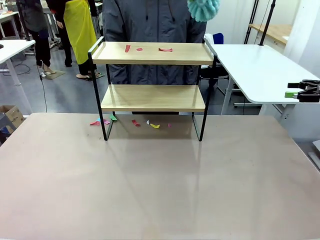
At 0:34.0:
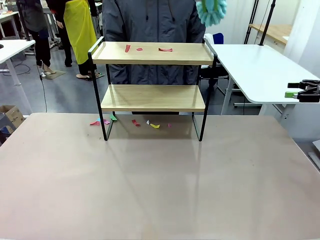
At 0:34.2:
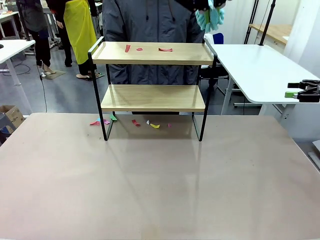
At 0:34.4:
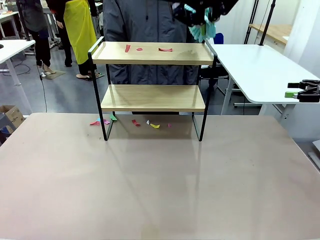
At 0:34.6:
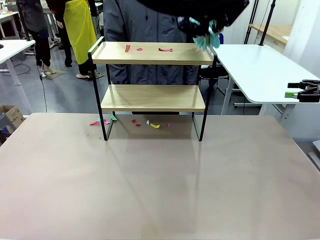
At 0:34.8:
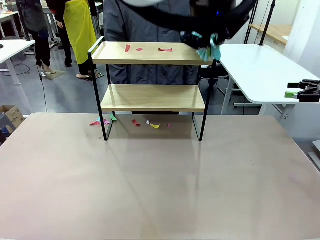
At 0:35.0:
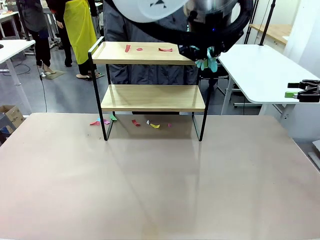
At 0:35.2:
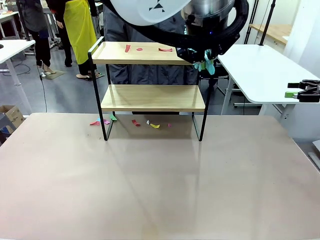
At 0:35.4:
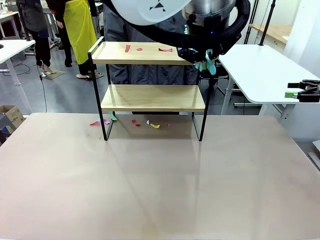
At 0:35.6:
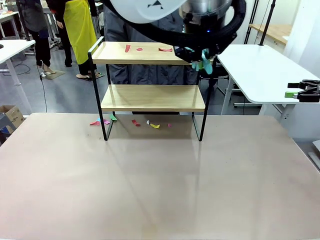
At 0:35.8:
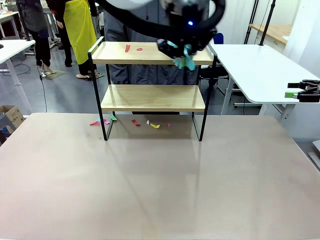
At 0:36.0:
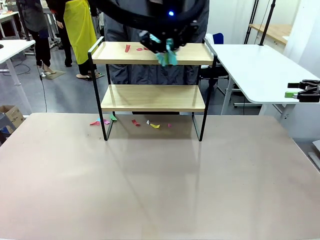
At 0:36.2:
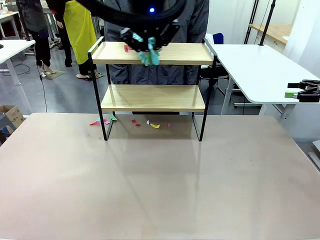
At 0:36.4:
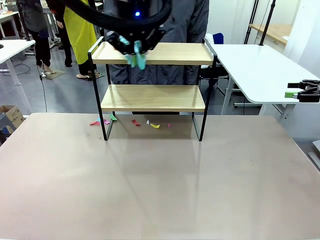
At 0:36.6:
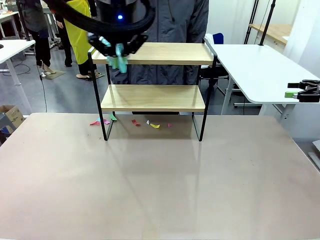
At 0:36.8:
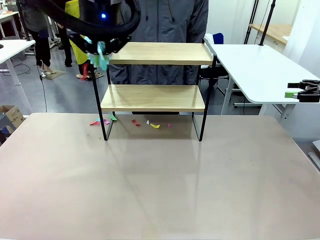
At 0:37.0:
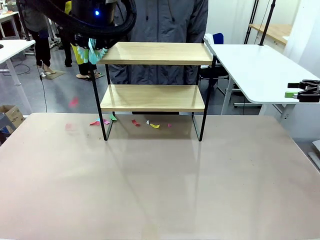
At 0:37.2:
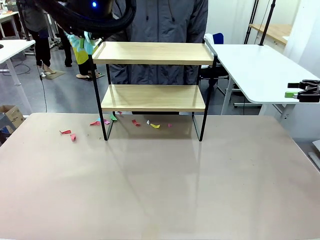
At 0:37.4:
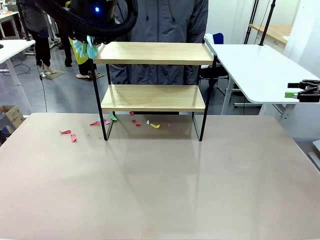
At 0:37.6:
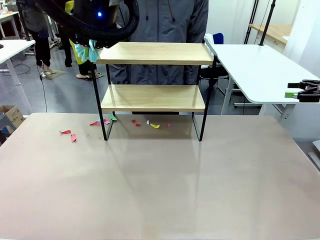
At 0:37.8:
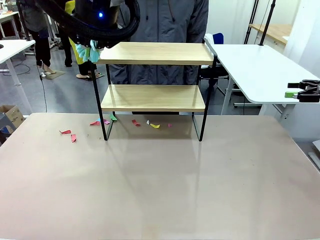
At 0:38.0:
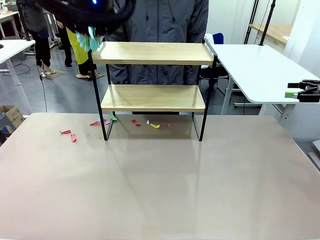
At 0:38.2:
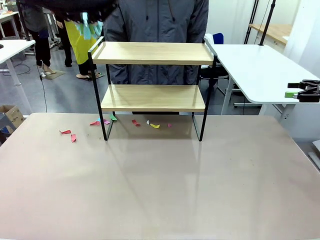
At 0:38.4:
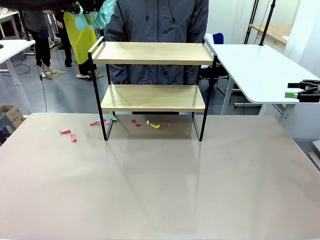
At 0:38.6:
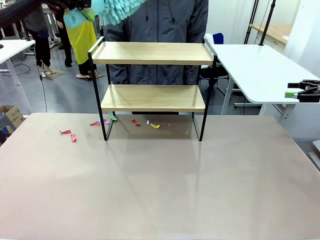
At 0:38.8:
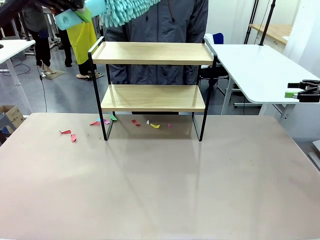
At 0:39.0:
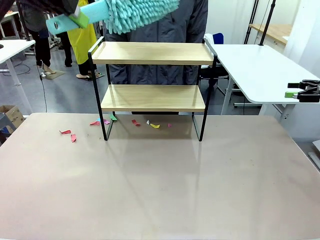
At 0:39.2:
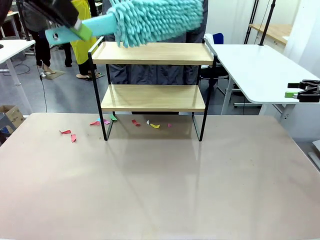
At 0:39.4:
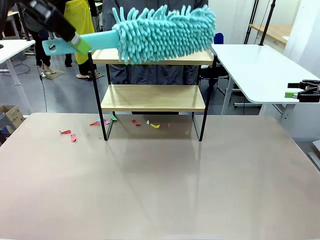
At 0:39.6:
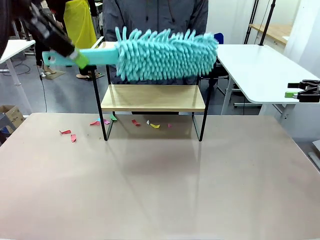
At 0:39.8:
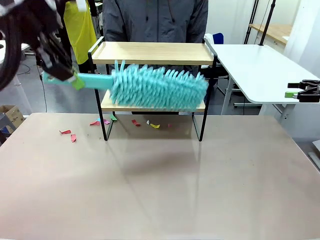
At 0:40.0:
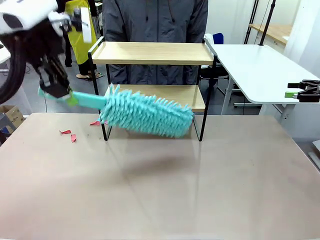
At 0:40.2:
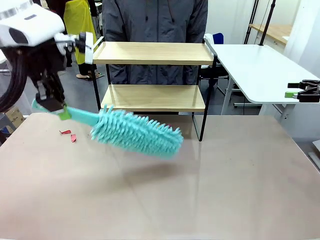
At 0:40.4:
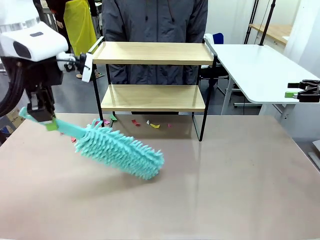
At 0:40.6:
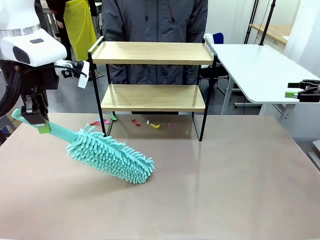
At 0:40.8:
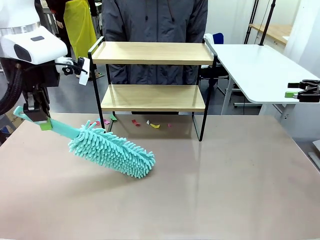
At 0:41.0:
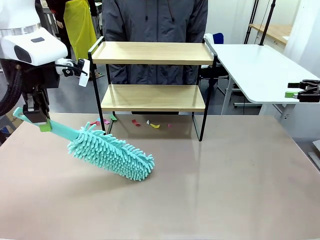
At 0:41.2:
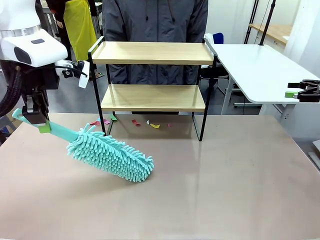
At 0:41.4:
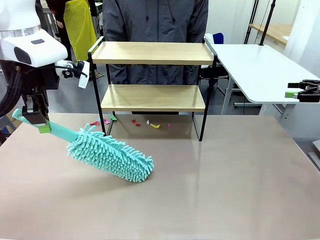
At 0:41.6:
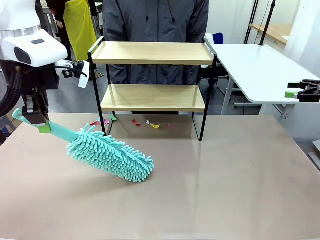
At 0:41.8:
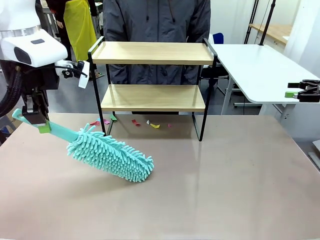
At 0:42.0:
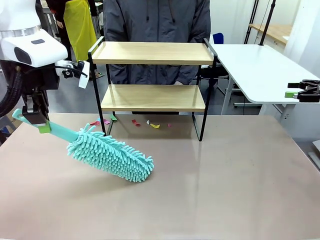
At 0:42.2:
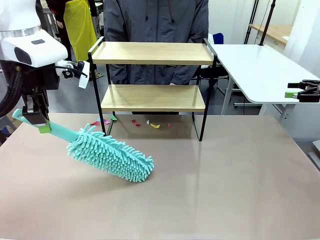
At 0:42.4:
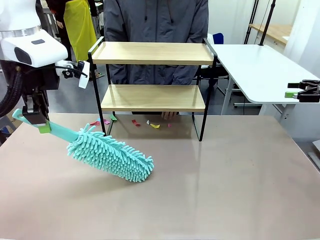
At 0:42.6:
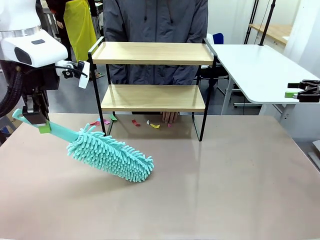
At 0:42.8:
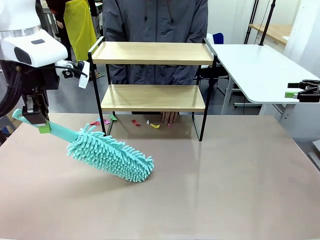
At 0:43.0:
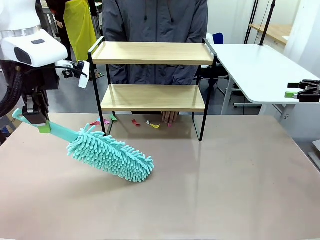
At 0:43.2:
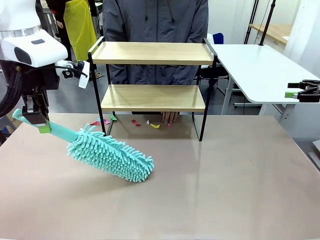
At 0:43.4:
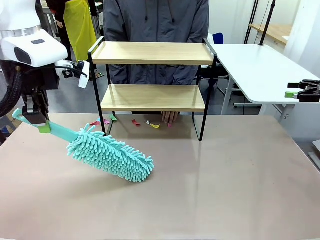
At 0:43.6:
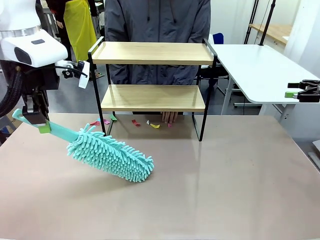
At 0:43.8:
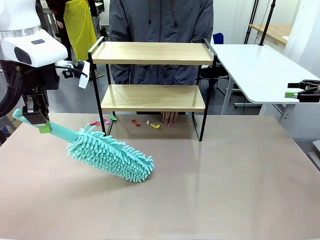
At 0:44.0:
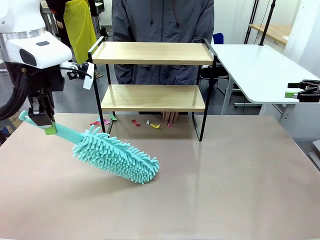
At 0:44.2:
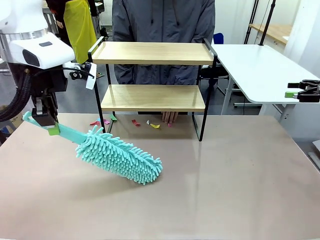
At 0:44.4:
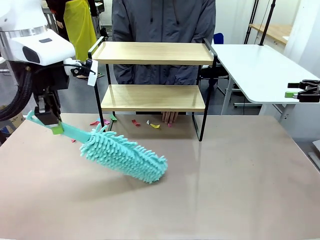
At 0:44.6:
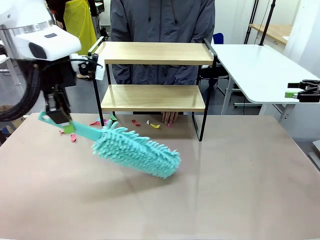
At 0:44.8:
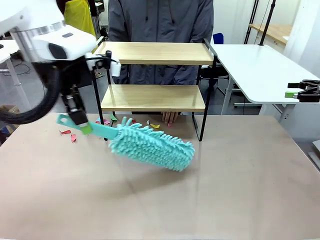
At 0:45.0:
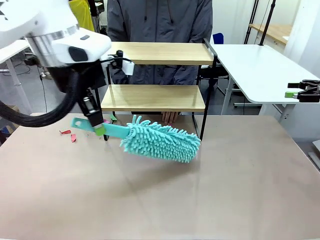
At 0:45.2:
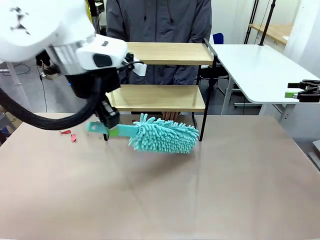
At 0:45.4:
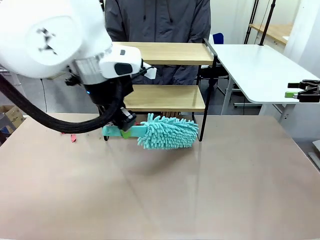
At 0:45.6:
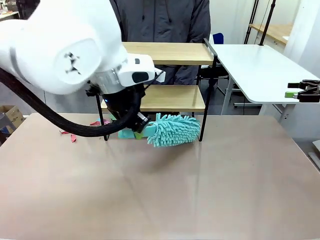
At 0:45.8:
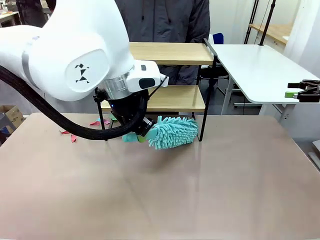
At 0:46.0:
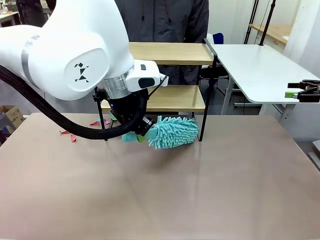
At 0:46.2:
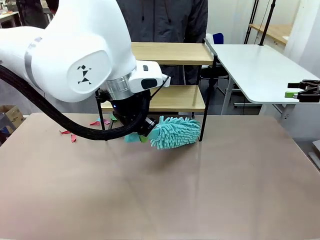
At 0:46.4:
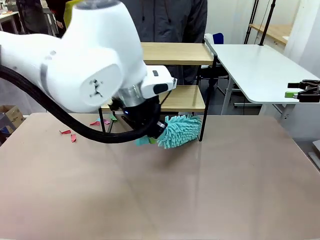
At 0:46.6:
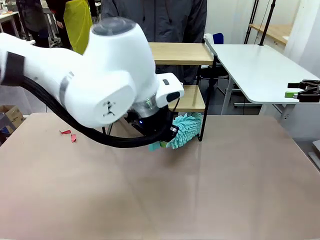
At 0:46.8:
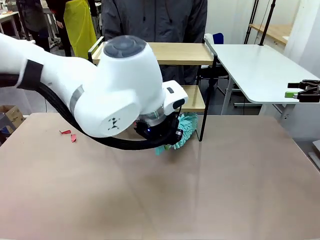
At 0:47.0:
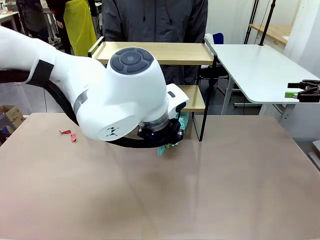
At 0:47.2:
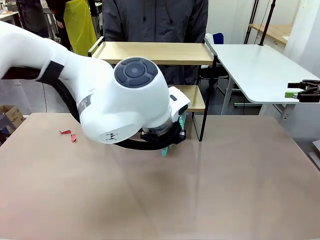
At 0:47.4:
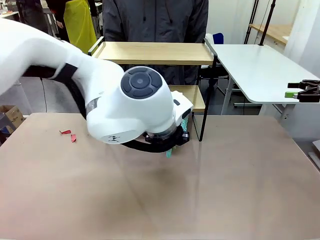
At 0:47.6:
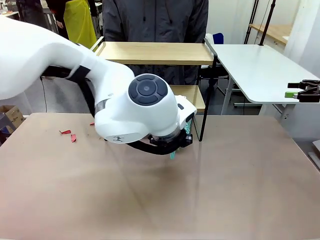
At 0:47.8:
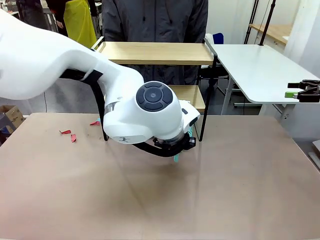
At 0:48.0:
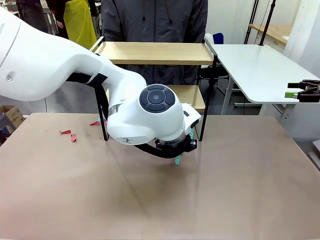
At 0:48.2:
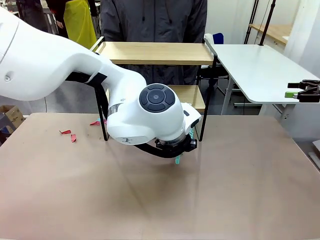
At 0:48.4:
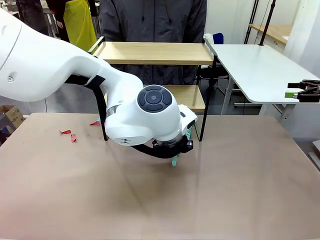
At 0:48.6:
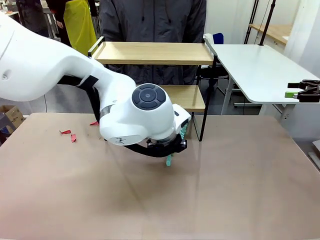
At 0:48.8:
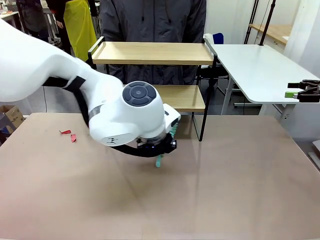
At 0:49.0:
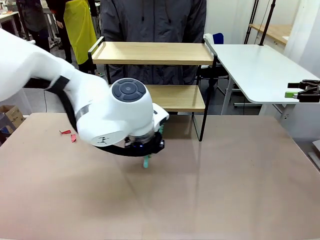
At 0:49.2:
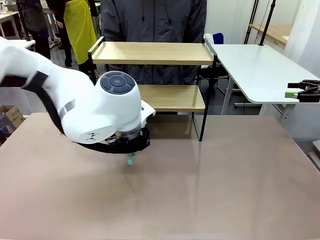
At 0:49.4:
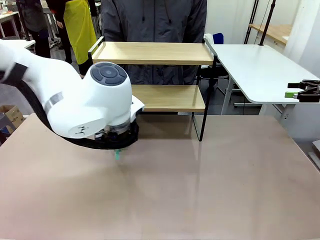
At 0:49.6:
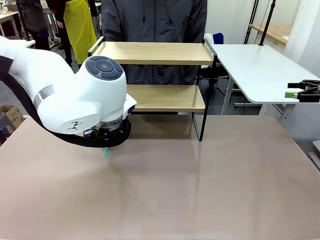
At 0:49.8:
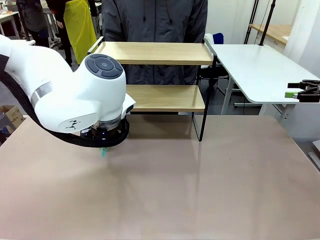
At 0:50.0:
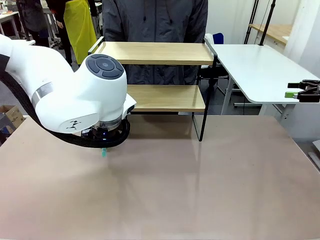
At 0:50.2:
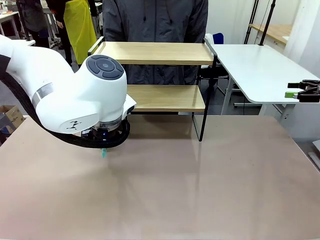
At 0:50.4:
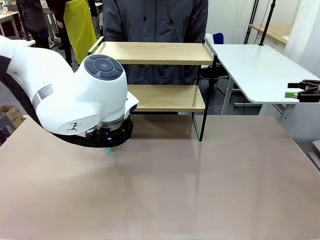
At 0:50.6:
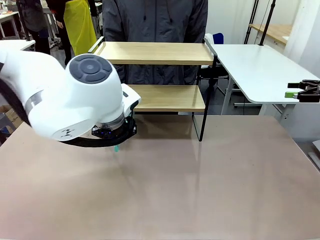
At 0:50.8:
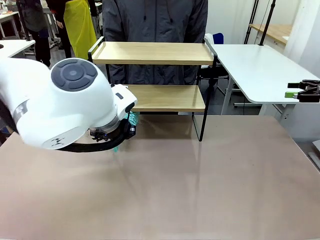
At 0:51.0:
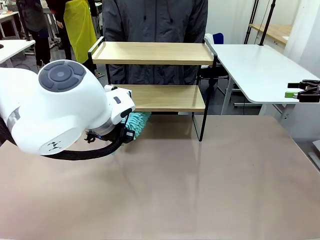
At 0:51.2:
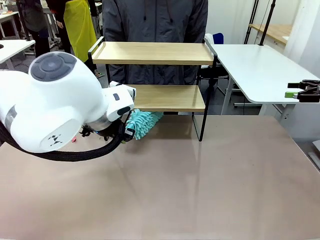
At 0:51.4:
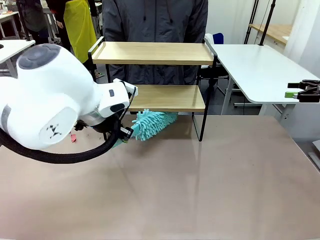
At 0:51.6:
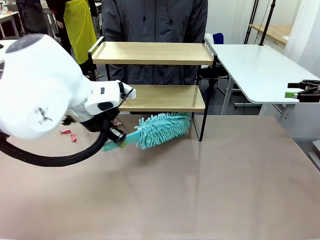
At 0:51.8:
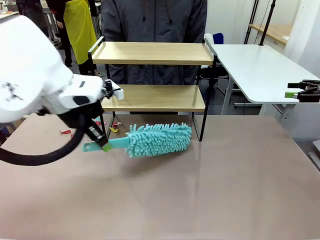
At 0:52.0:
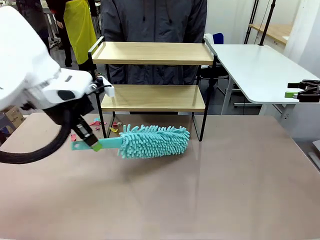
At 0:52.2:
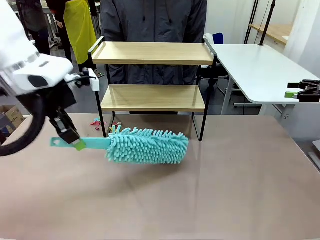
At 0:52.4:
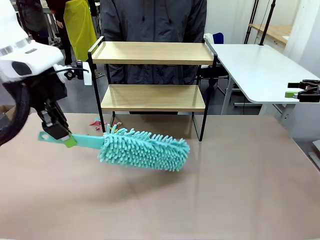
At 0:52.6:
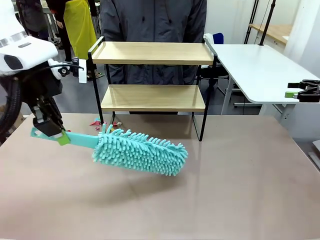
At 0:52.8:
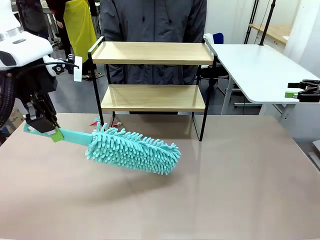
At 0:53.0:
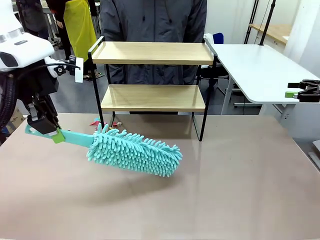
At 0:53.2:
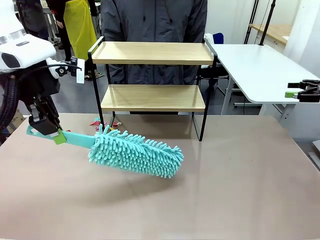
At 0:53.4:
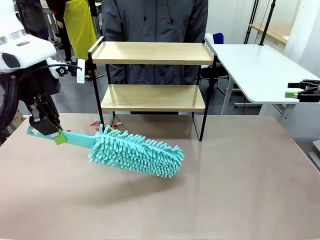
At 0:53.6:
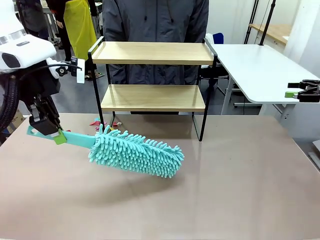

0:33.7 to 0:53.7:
Task: Clean the shelf.
Robot: Clean the specific section of the Shelf indicated by the human with the Duster.
Person: Point a remaining section of the Shelf.
